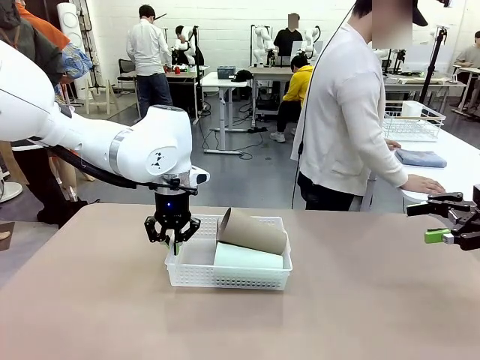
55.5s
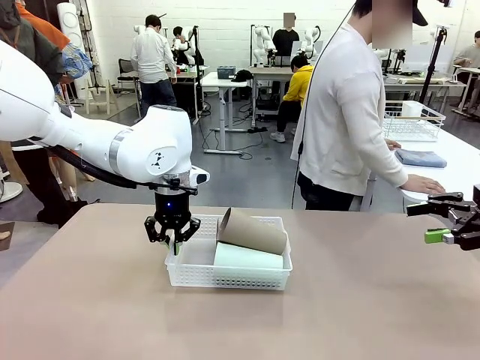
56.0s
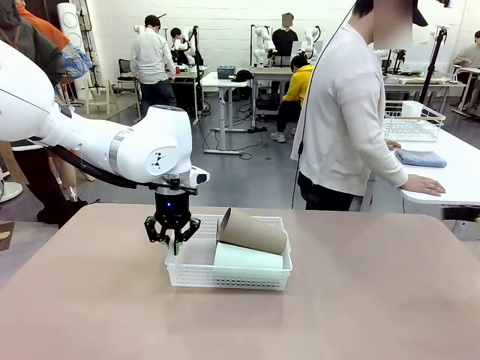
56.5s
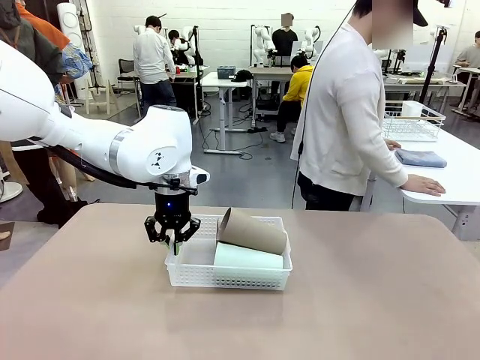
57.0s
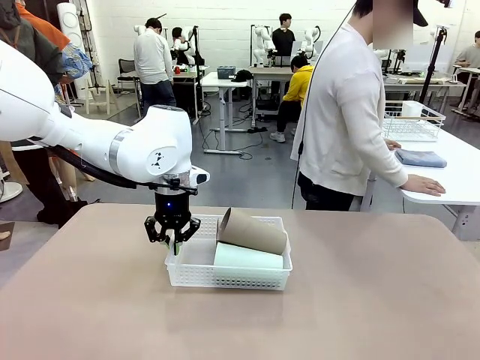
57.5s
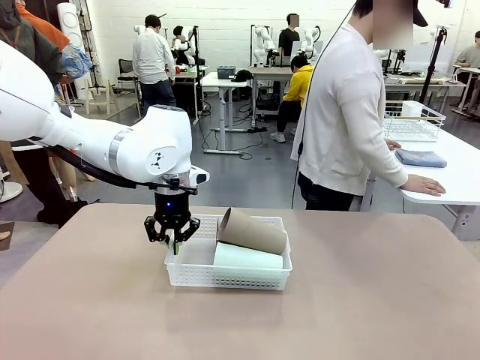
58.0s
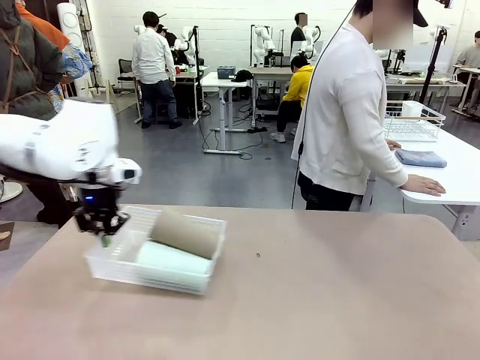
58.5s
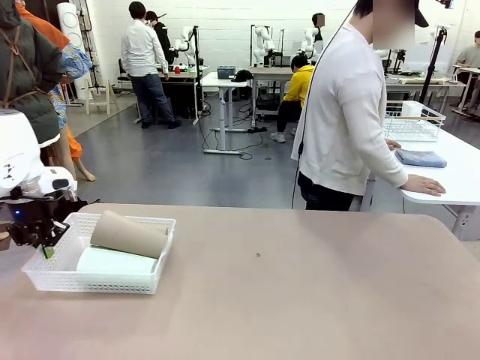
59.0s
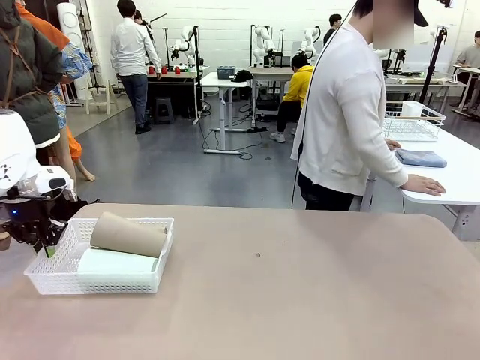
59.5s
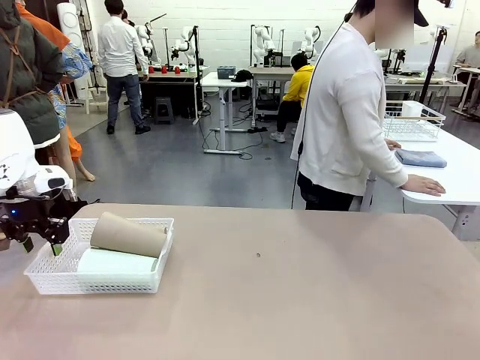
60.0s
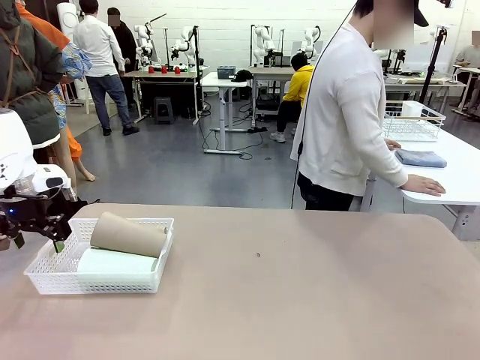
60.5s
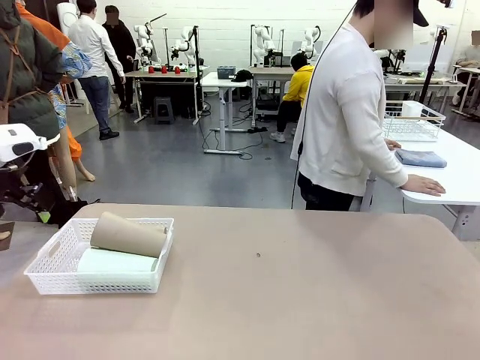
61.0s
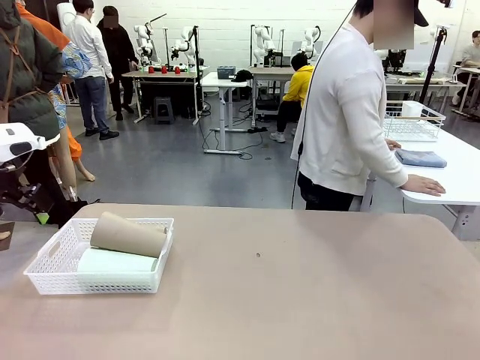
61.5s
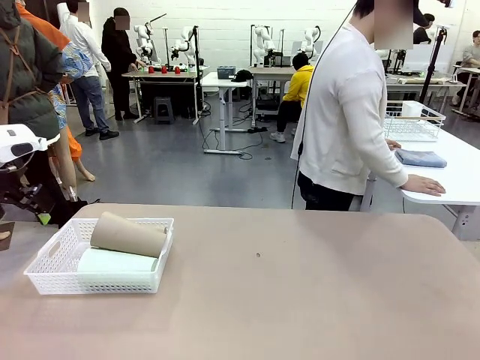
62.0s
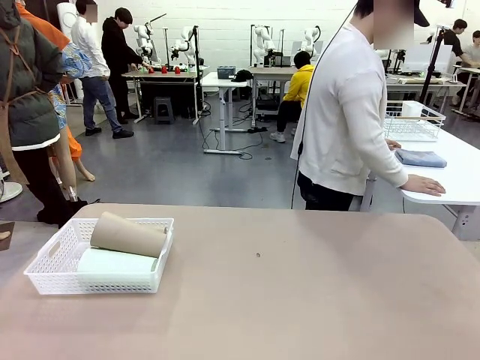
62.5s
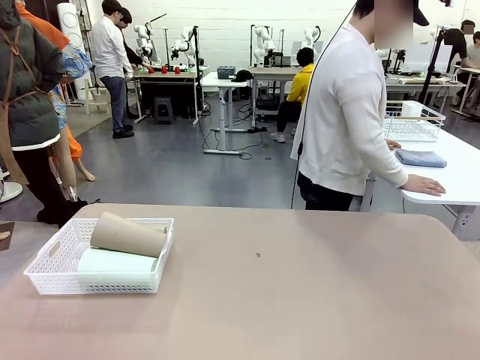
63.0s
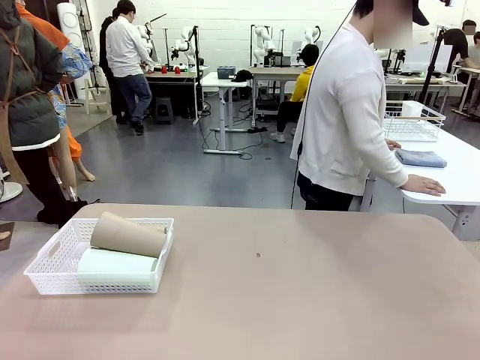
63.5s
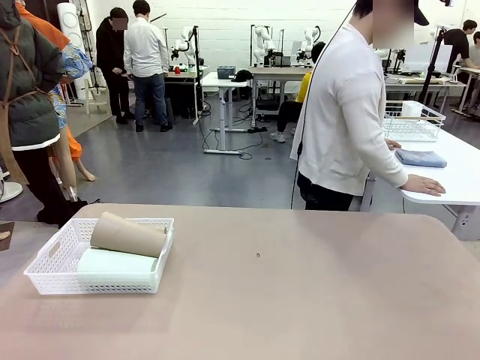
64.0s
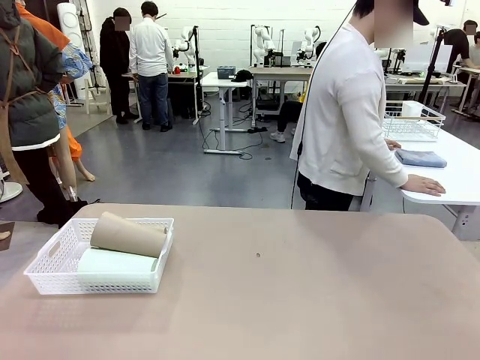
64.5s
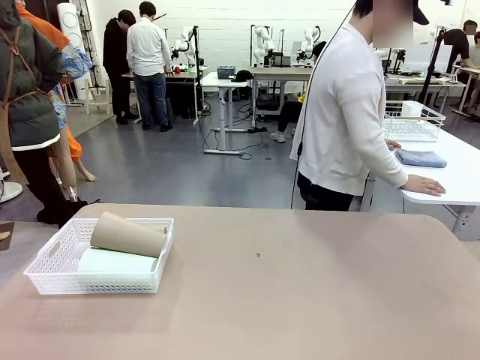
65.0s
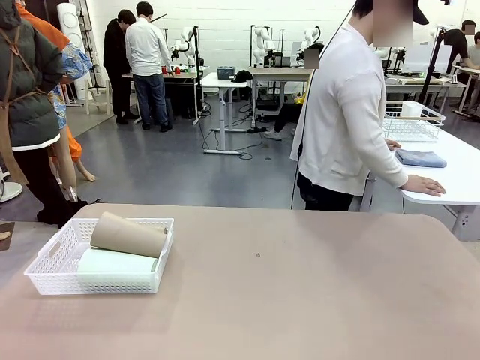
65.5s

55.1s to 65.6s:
Task: Clean and organize the cups into the basket.
Robot: Move the Organizing basket back to the left side of the table.
Person: Folds the towel in half twice and places it in the right of the table.

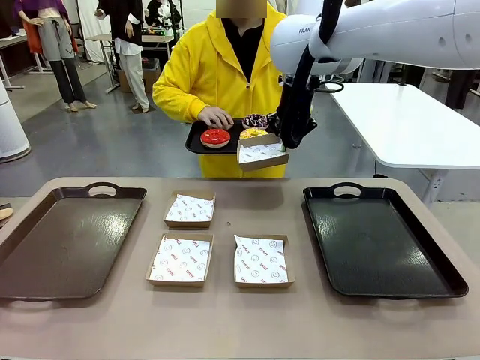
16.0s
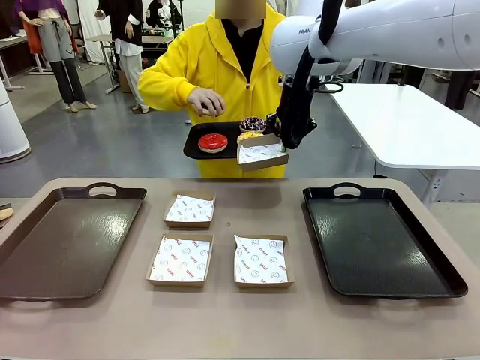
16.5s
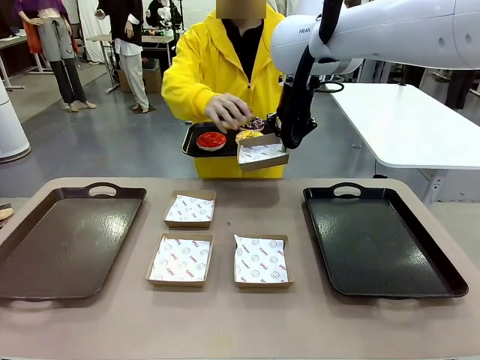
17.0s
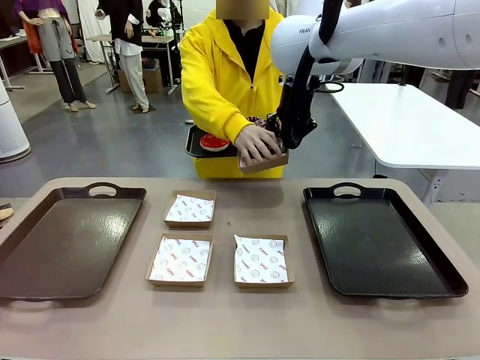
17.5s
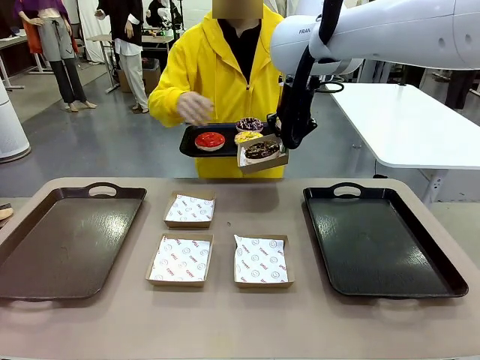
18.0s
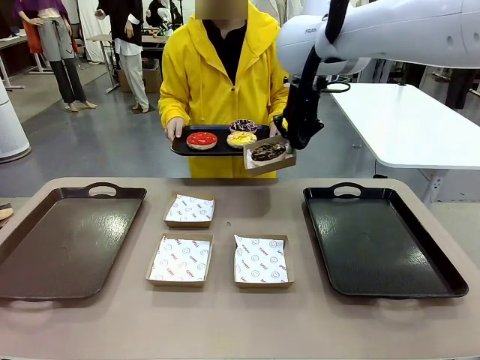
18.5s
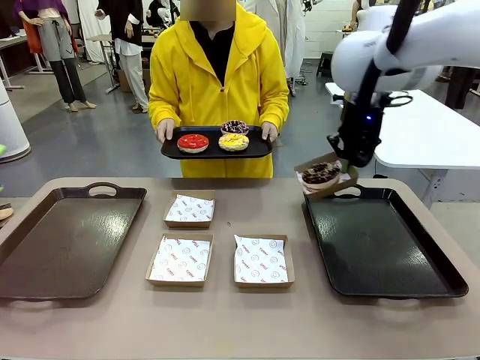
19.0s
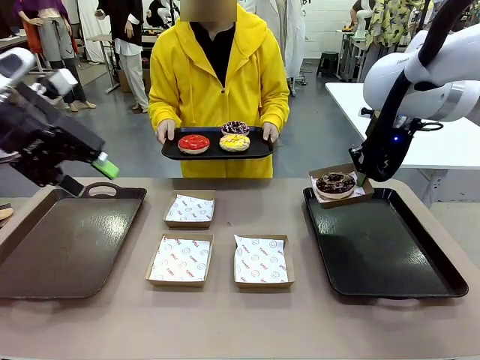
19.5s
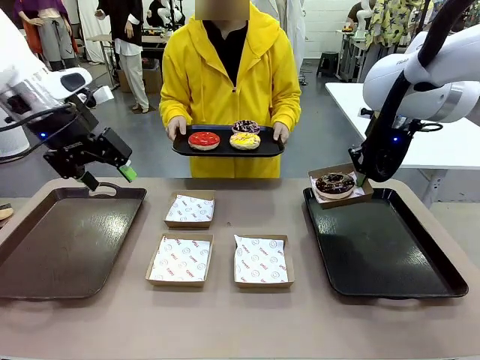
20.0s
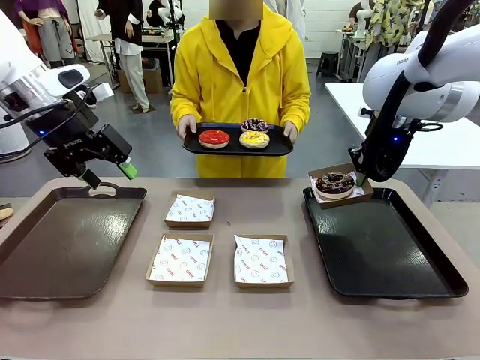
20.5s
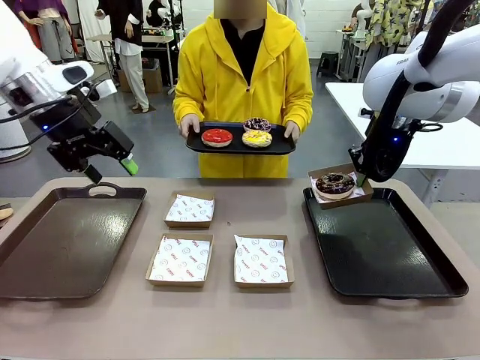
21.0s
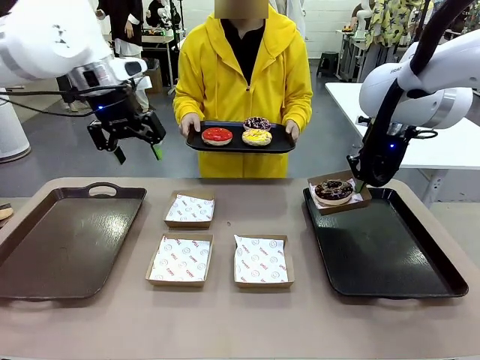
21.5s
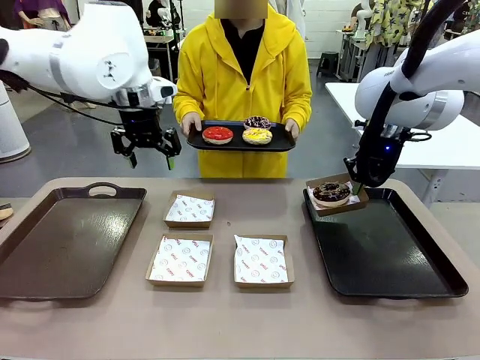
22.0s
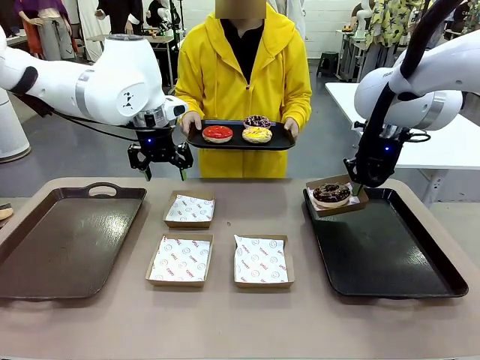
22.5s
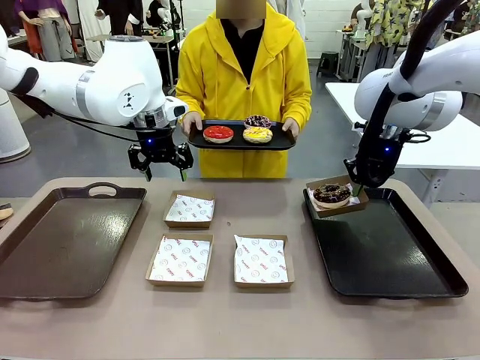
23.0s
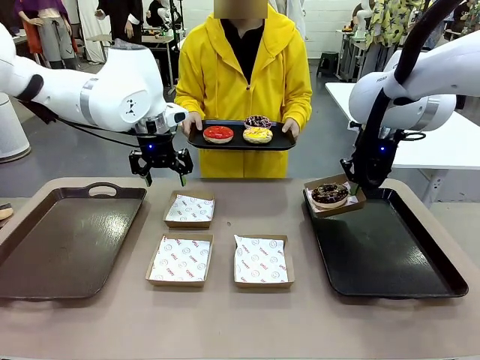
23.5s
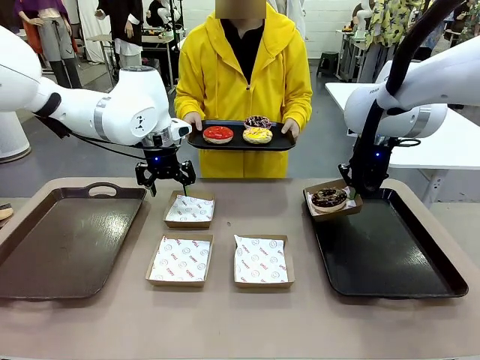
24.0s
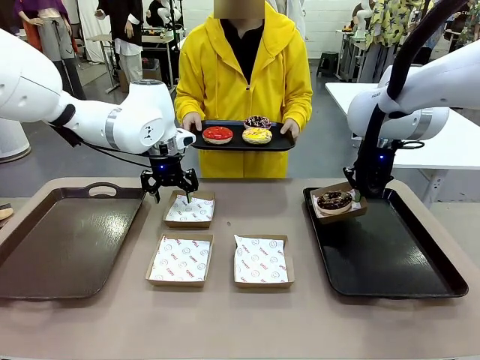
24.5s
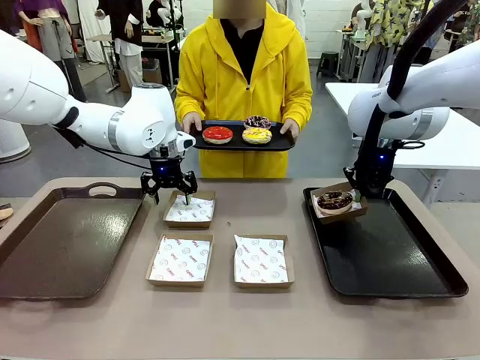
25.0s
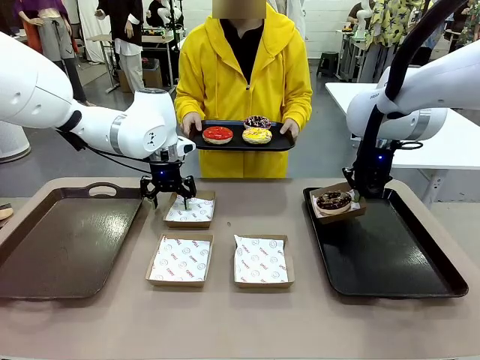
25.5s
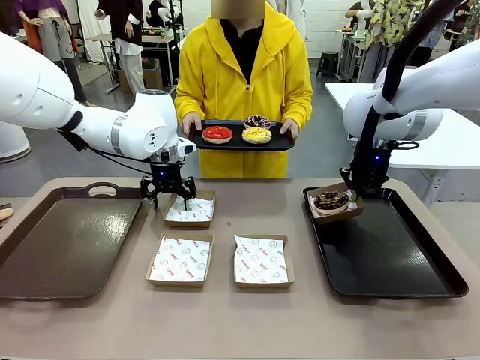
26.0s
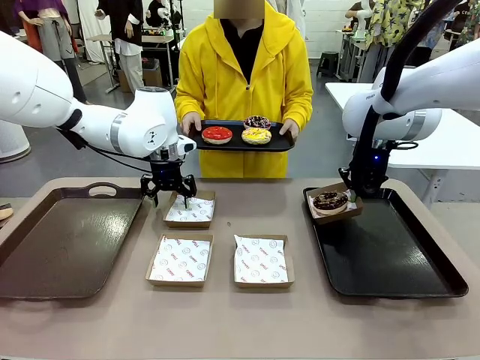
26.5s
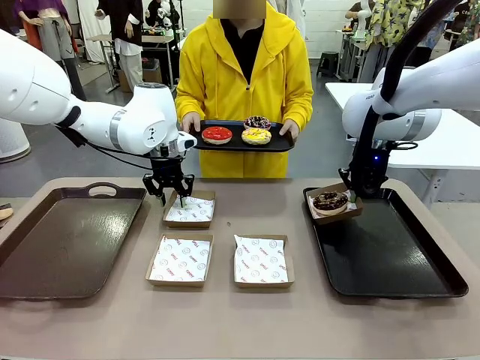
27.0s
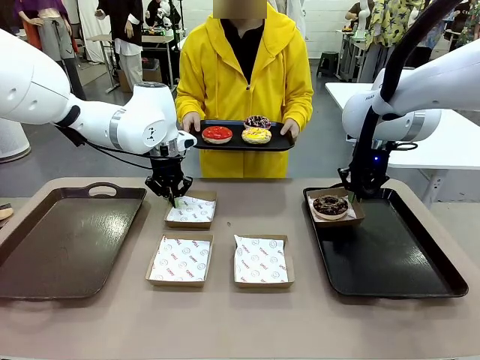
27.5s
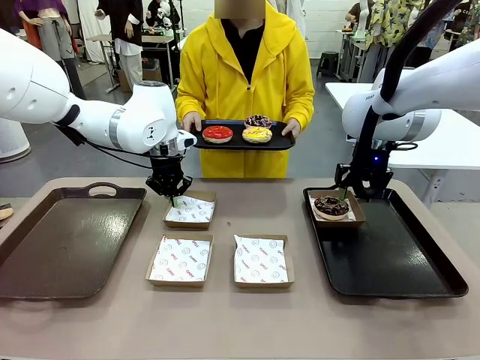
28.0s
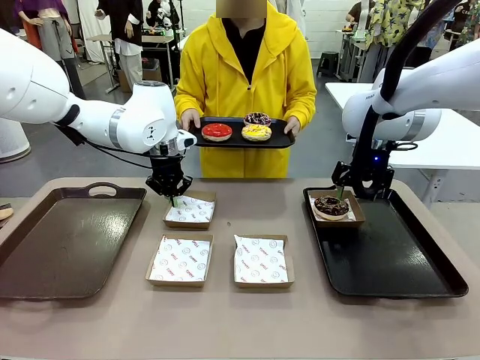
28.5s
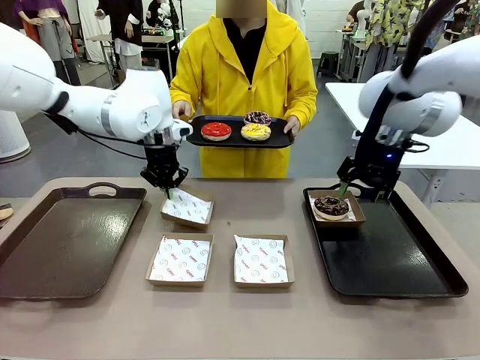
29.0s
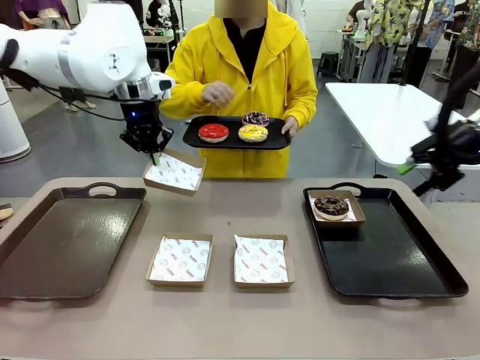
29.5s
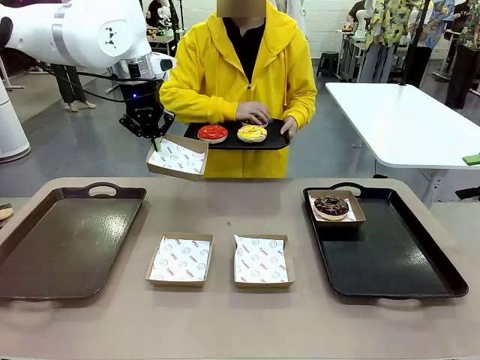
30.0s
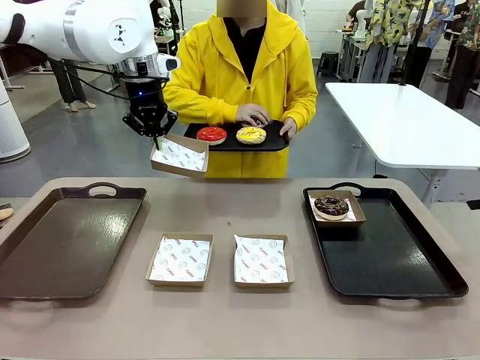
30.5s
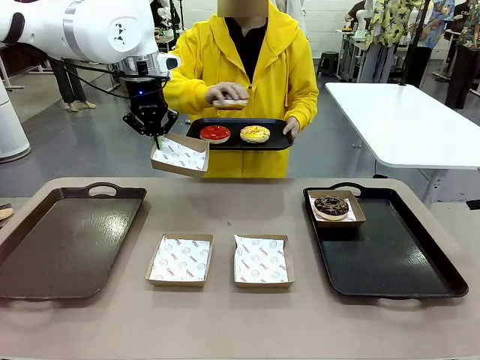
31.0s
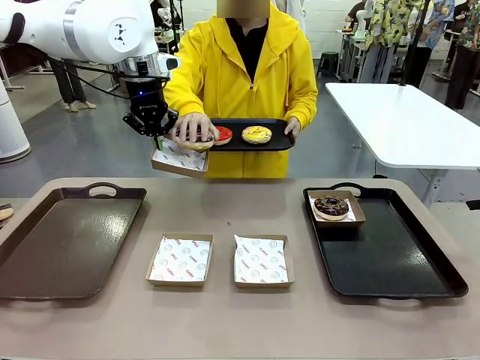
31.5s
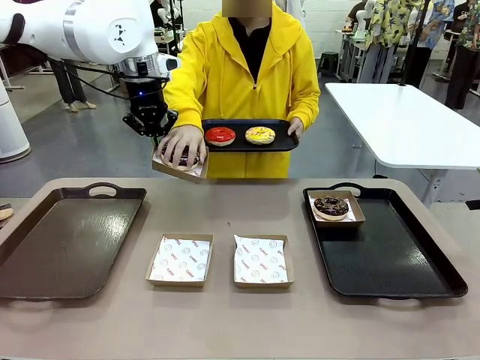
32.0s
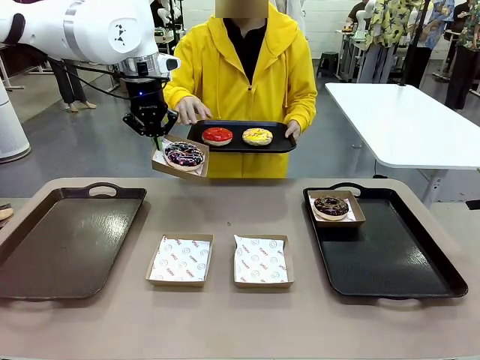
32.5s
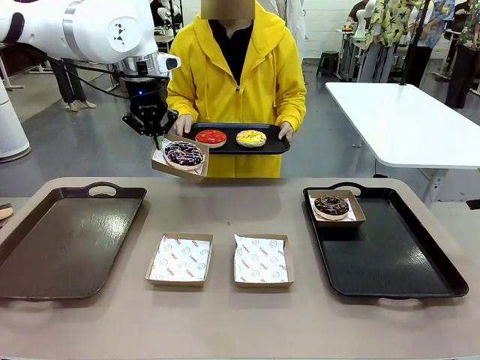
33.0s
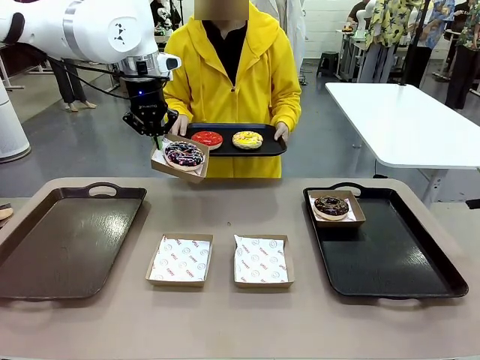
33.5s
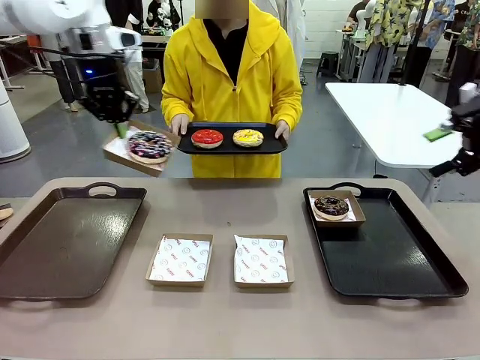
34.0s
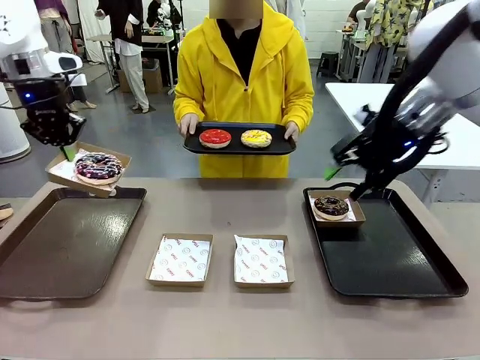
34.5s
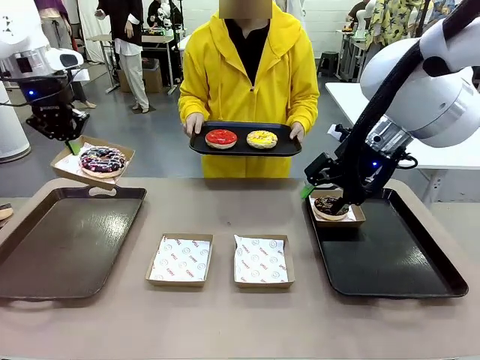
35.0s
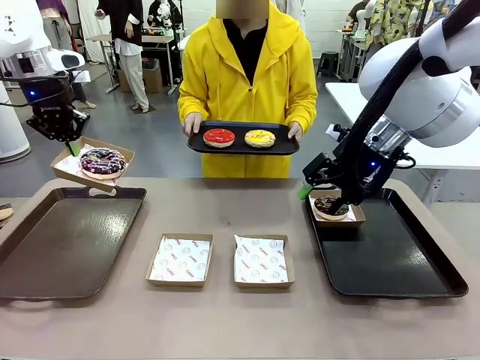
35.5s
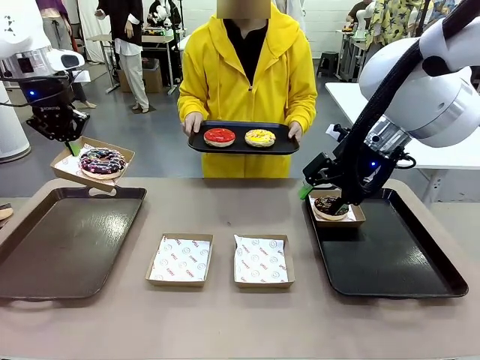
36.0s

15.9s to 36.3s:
Task: Individually package the donuts and arrange them on the tray.
Robot: Place the picked Paper togo box on the Handle tray while simultaneously picking up another Paper togo box from the table with the other hand.
